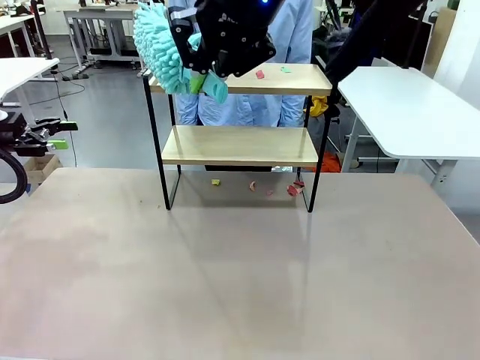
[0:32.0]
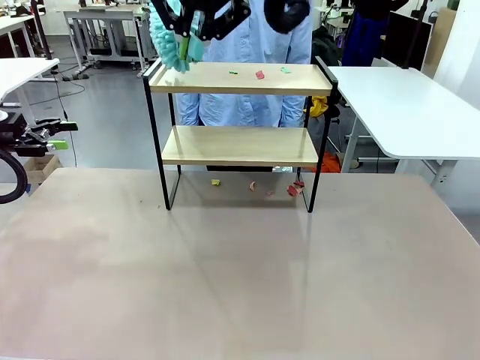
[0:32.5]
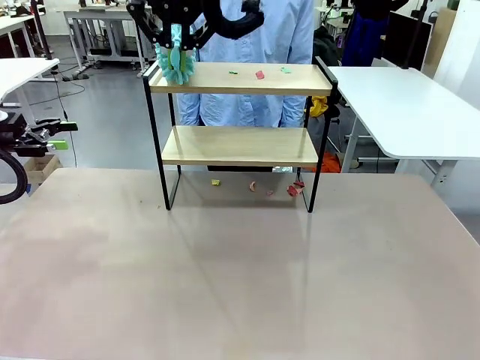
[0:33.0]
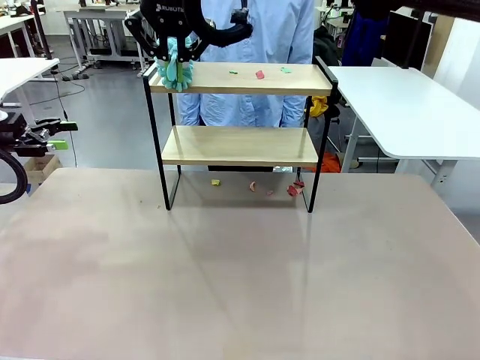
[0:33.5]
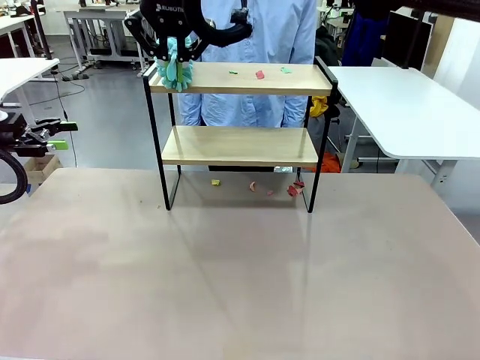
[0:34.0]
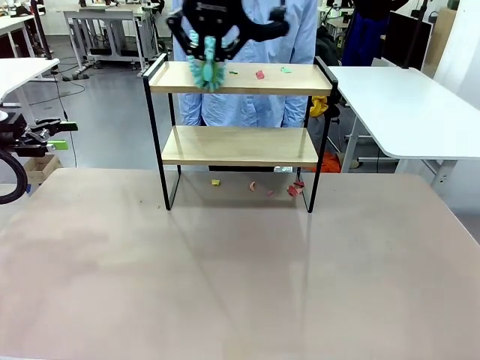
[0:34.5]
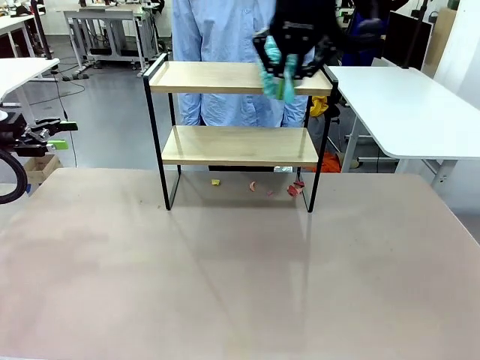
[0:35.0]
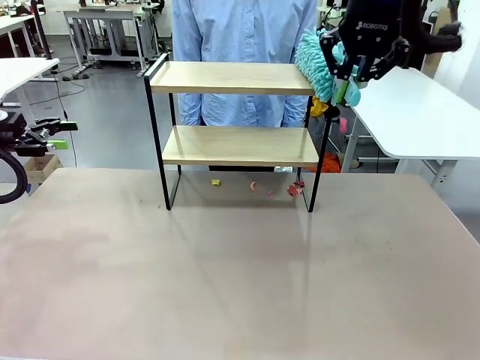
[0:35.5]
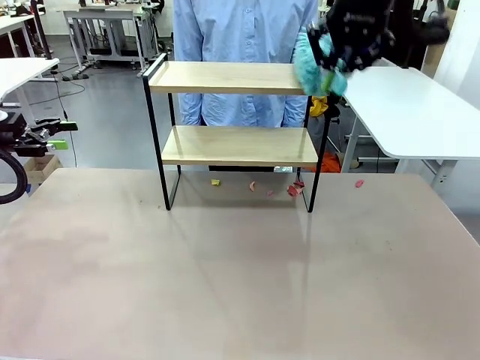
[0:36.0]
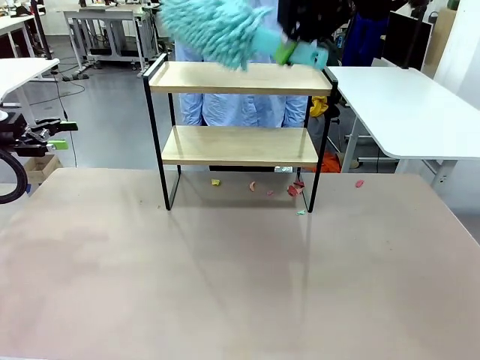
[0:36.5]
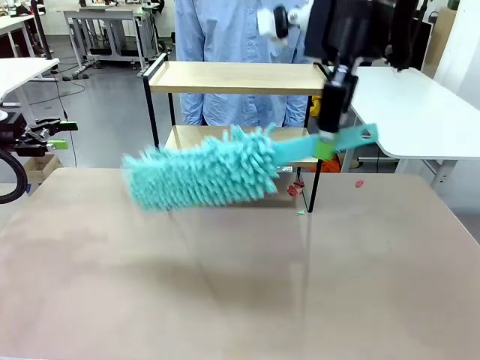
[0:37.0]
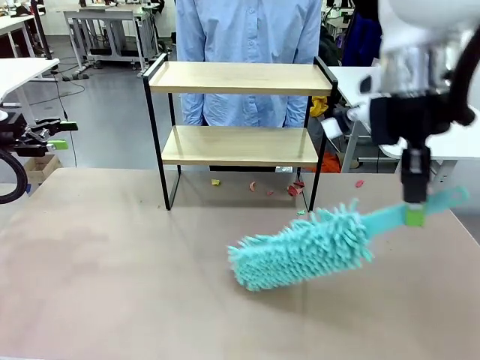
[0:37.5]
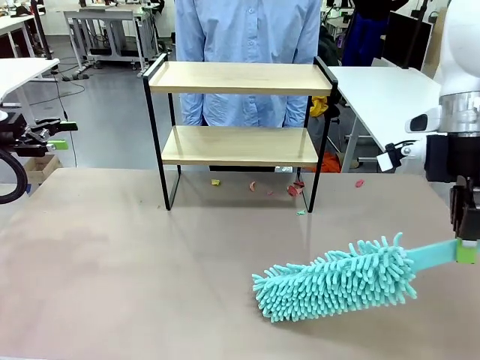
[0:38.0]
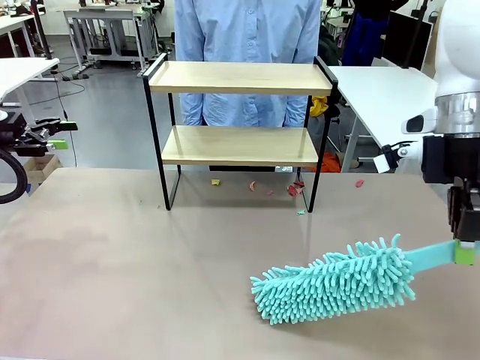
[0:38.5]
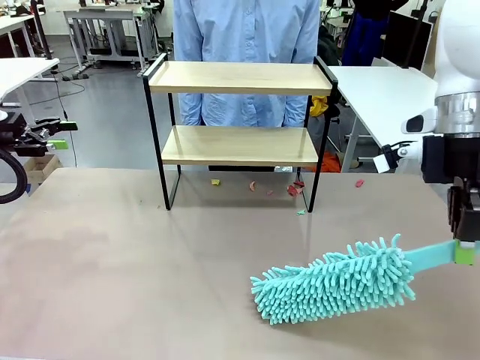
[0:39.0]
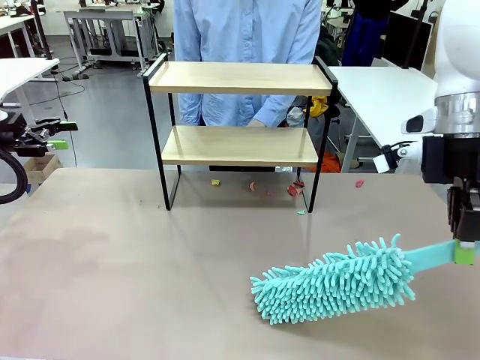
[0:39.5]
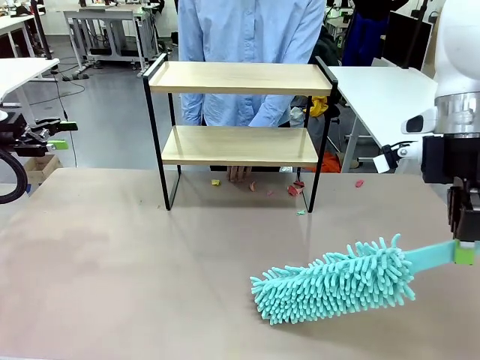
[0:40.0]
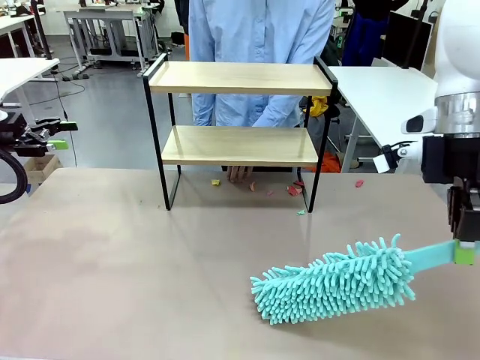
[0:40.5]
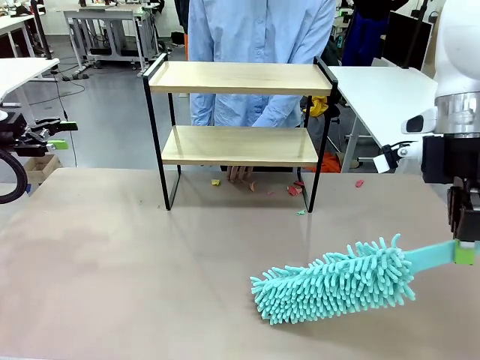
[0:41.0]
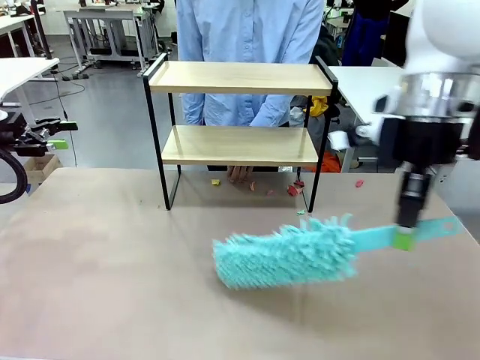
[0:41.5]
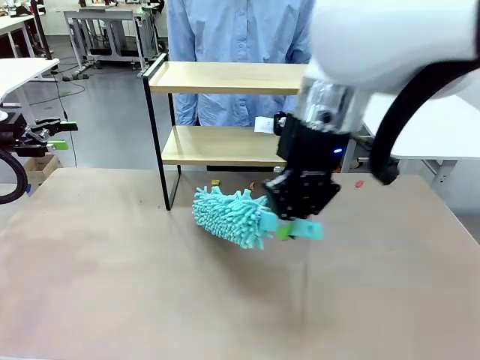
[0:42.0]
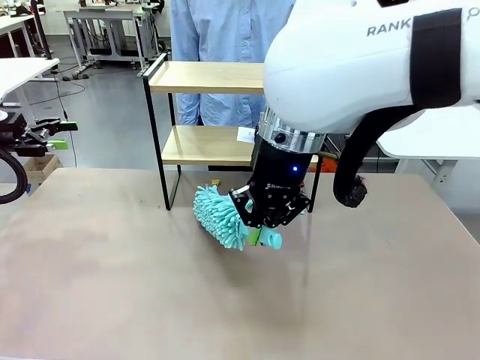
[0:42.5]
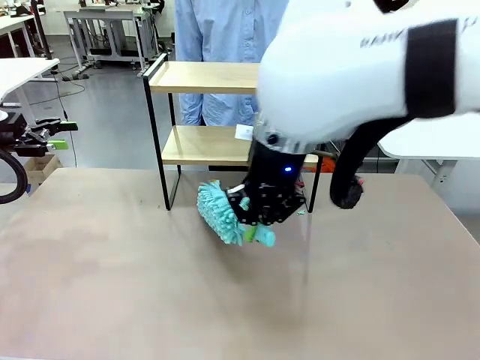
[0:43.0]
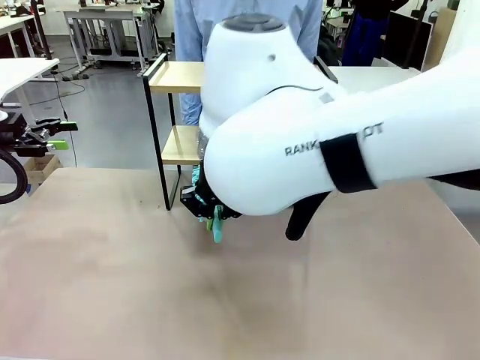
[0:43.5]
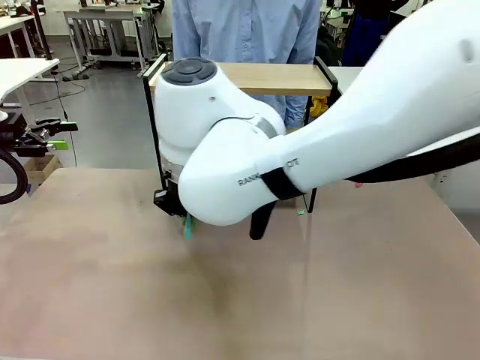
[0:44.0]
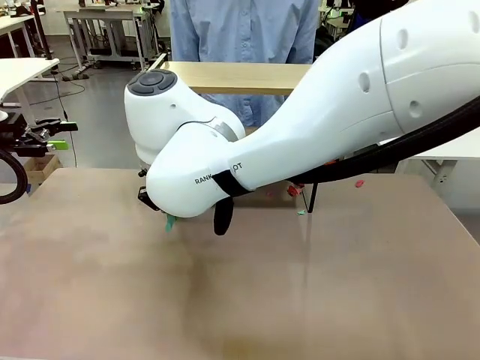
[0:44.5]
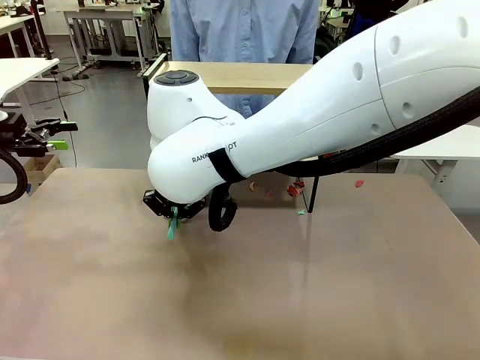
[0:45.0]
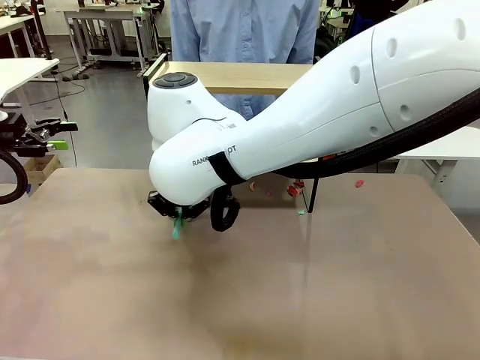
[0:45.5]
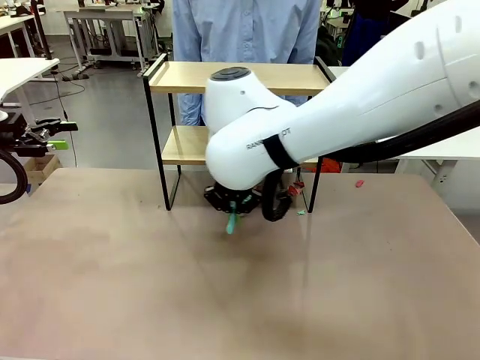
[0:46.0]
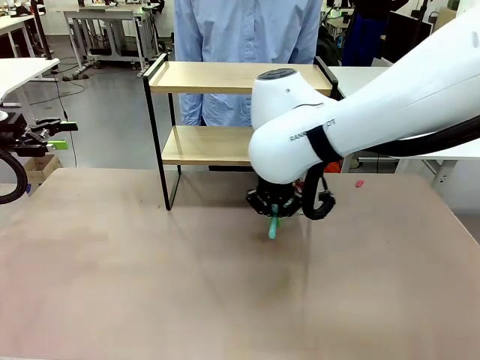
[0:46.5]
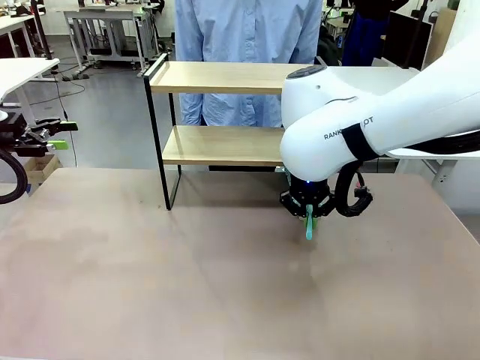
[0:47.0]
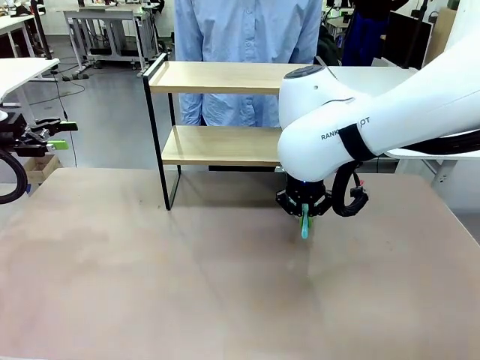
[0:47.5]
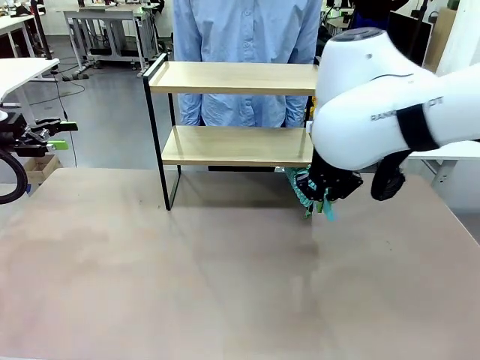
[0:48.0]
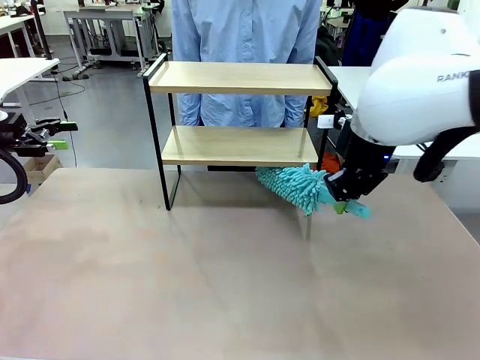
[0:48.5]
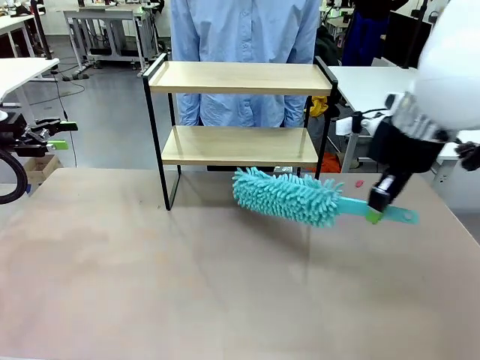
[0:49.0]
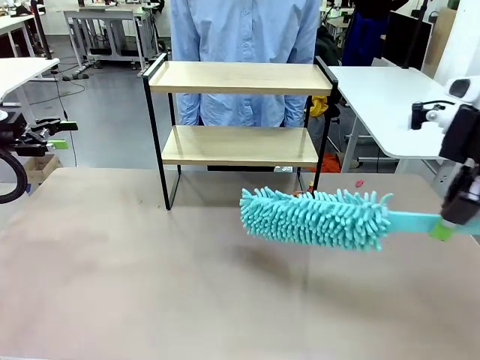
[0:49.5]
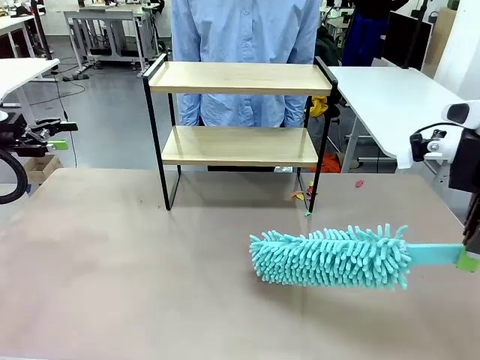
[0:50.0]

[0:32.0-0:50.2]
Task: Clean the shelf.
Robot: Clean the specific section of the Shelf indicated by the human with the Duster.
Person: Point a remaining section of the Shelf.

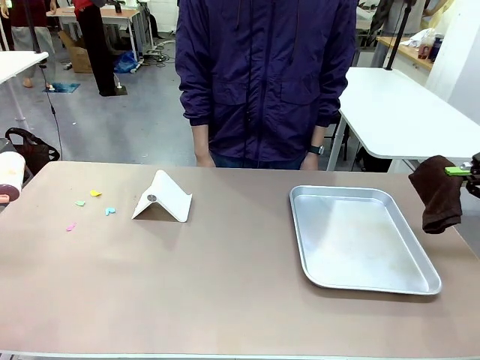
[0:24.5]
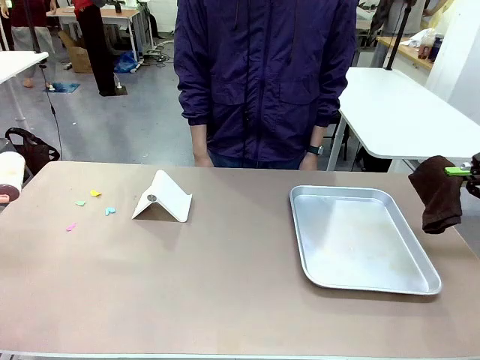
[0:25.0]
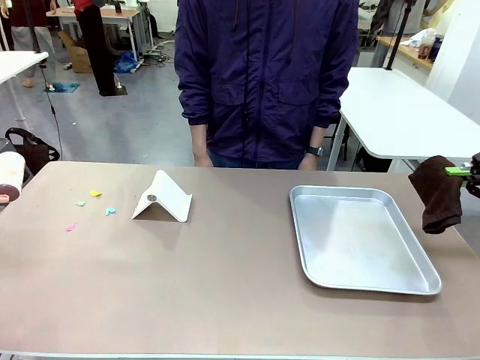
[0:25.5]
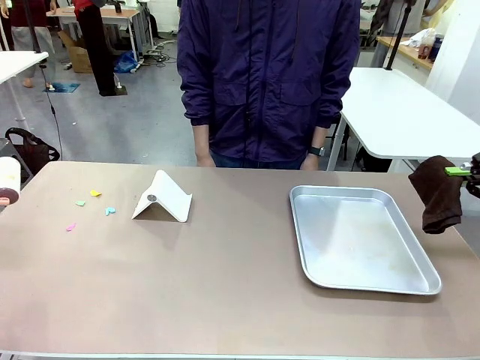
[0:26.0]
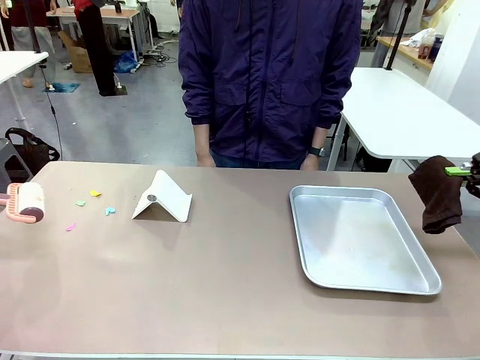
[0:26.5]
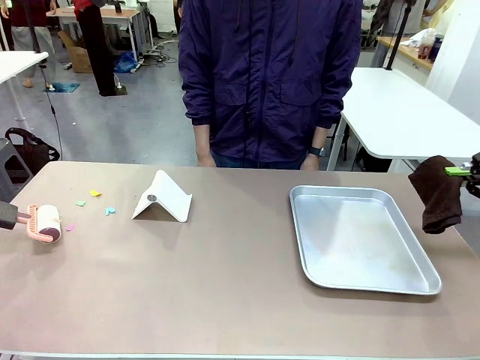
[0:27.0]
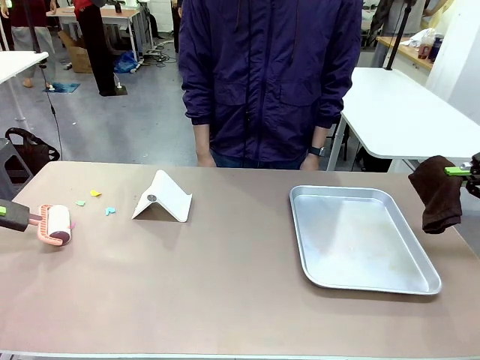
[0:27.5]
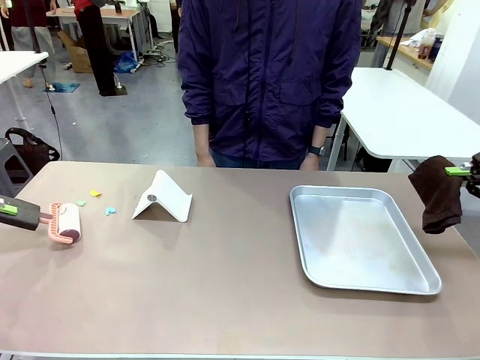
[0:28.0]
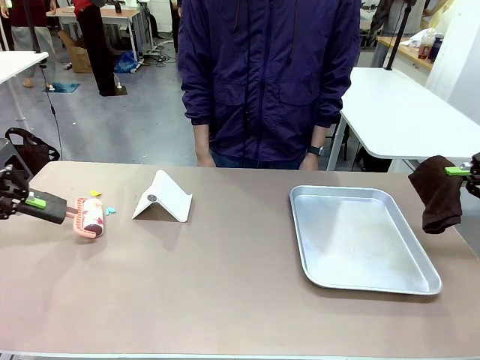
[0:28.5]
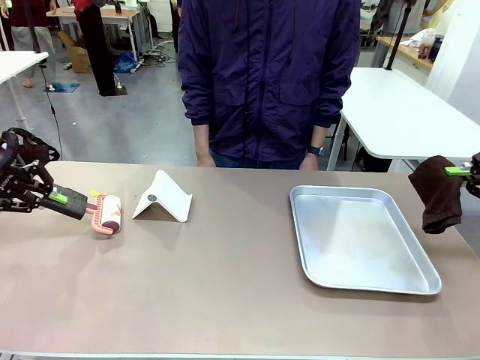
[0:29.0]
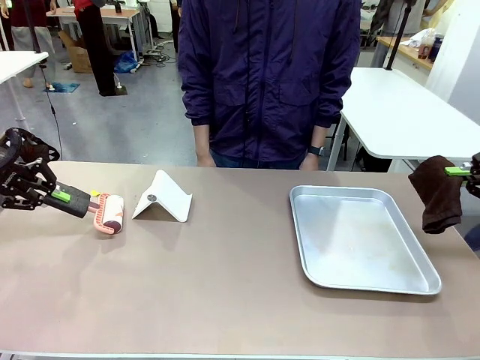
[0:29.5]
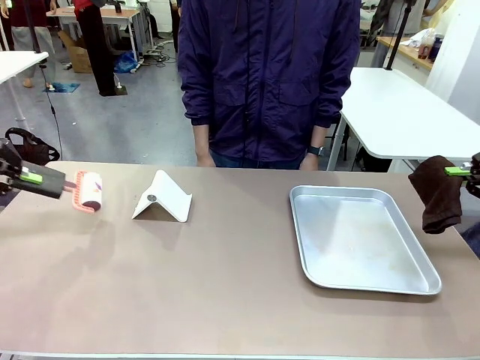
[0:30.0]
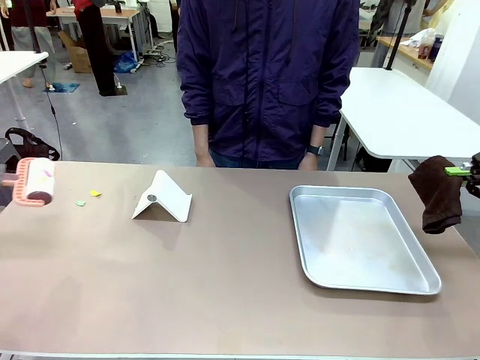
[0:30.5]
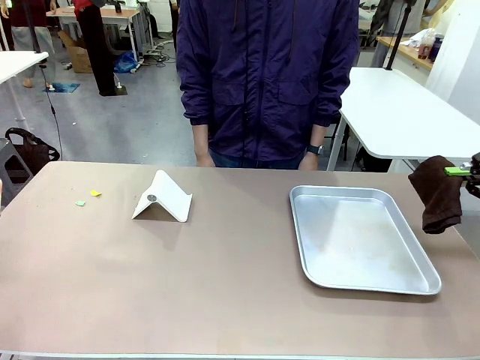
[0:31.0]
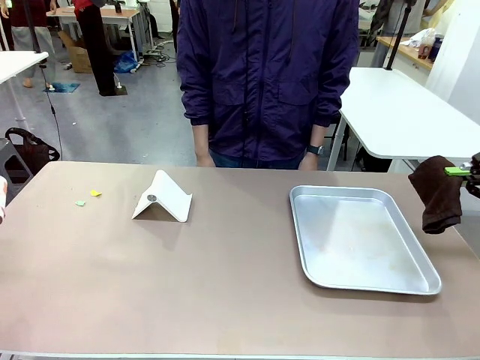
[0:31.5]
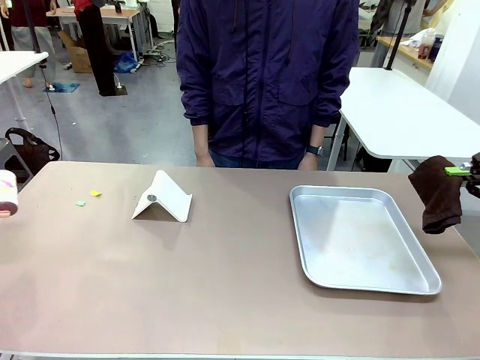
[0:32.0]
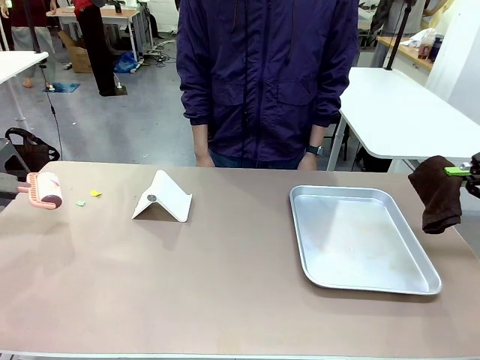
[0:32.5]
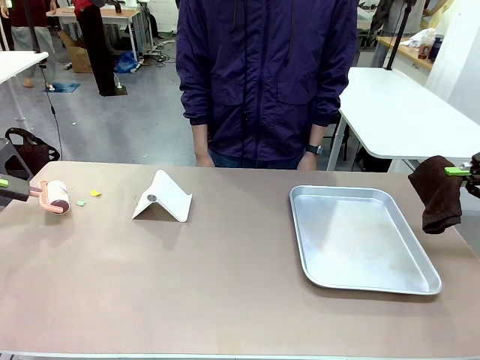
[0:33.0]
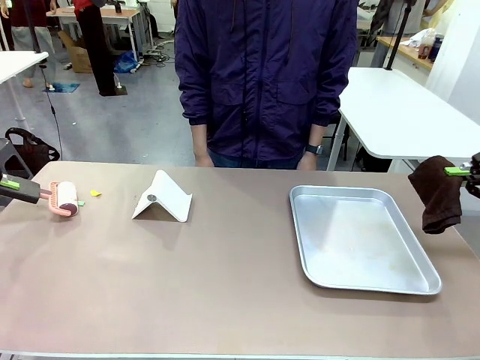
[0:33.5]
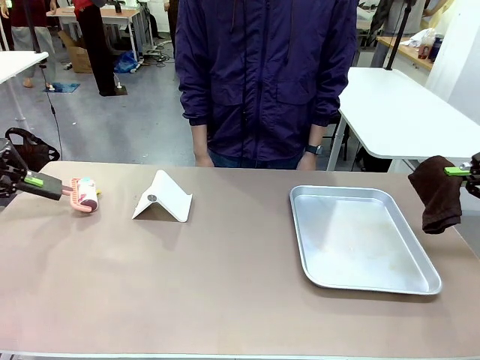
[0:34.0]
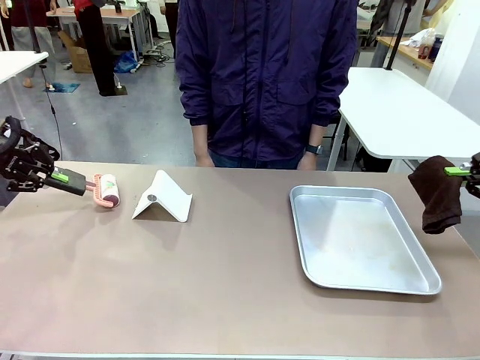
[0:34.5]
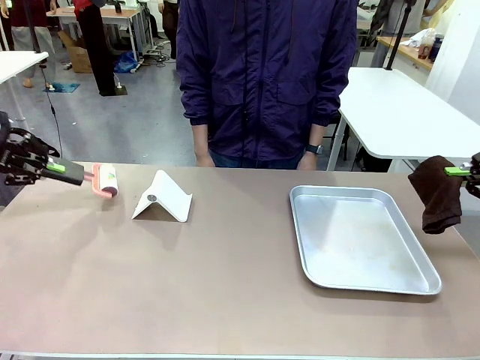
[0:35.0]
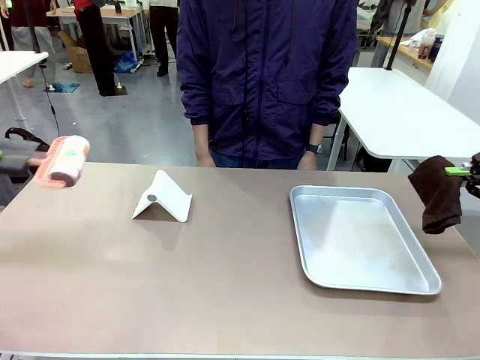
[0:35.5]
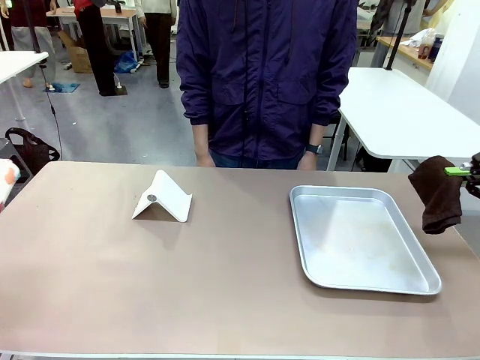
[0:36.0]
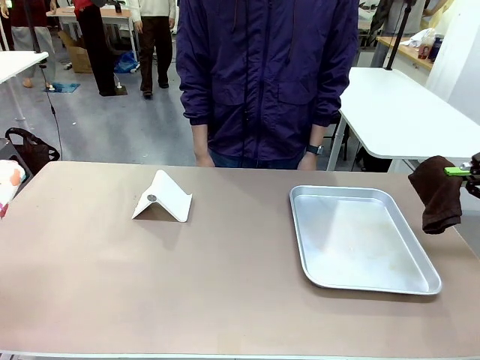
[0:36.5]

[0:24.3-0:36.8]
Task: Clean the surface of the table.
Robot: Clean the area not pointed to by the person.
